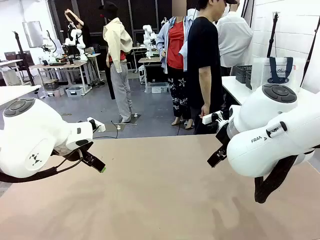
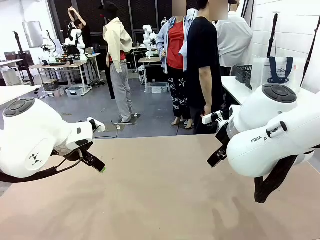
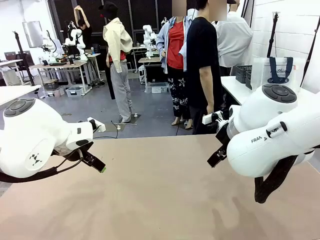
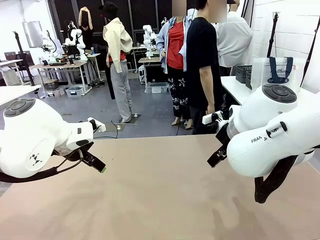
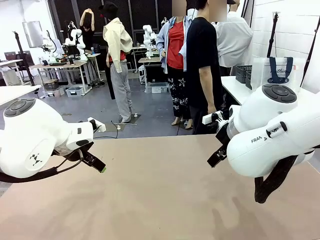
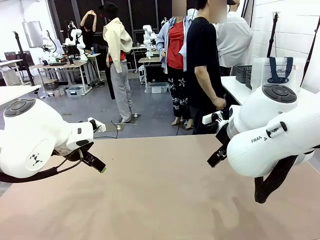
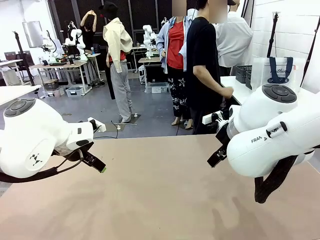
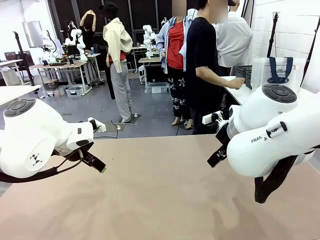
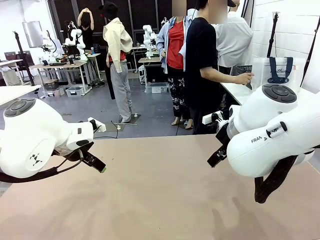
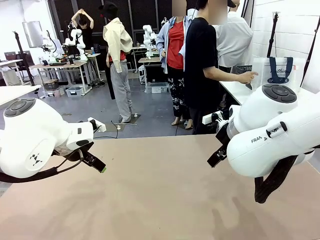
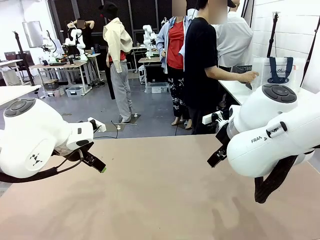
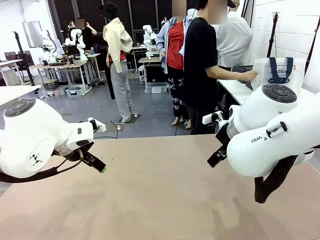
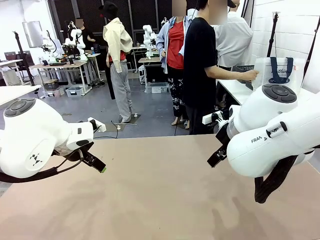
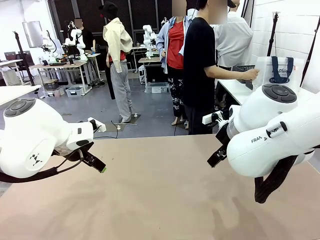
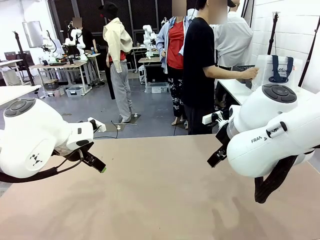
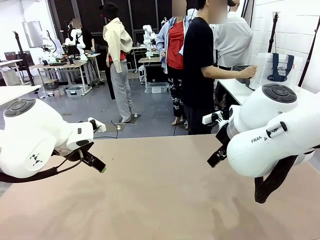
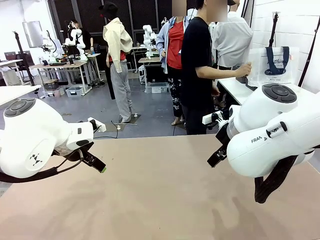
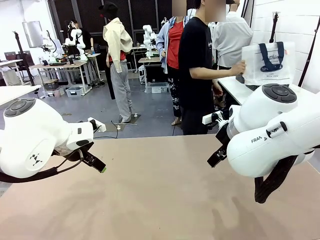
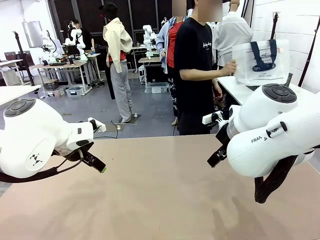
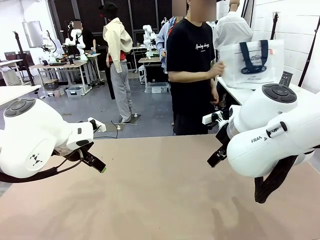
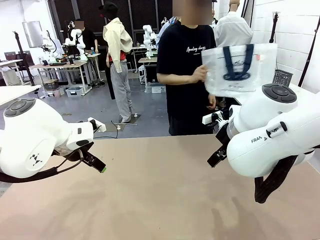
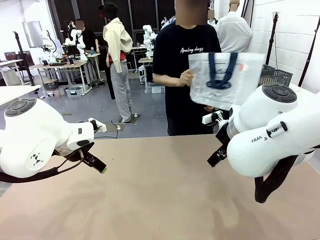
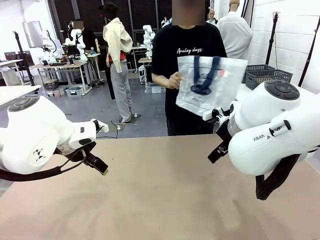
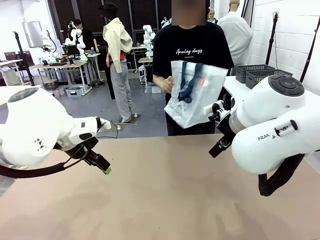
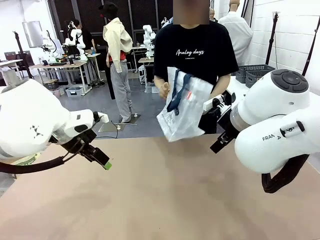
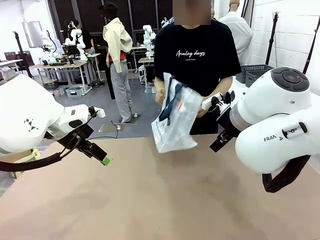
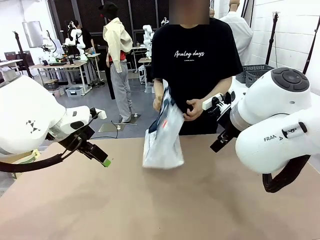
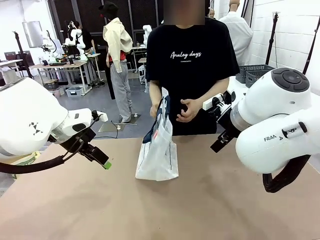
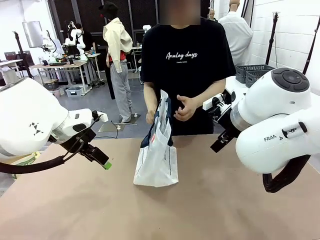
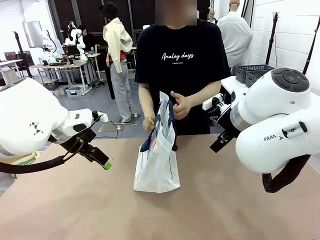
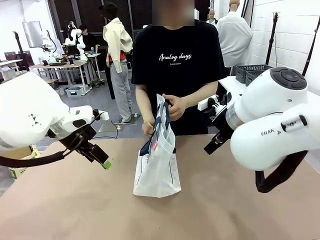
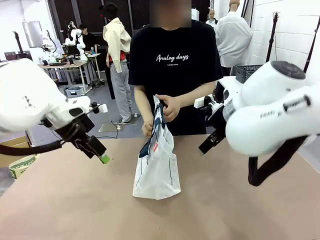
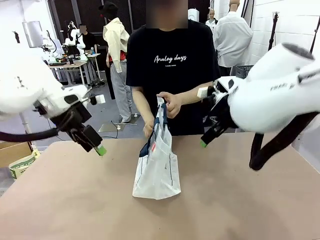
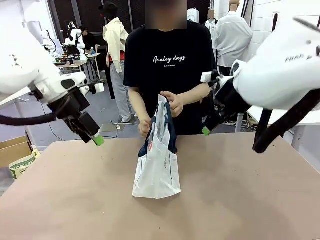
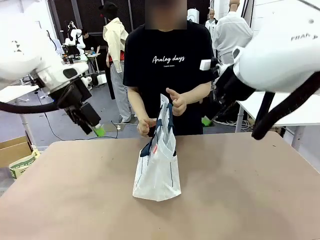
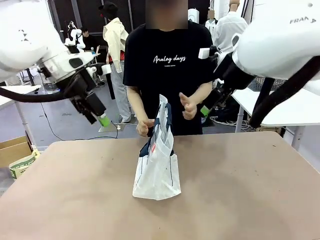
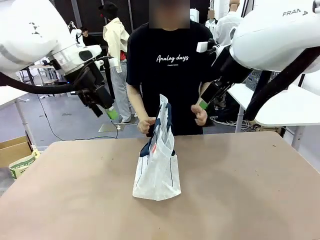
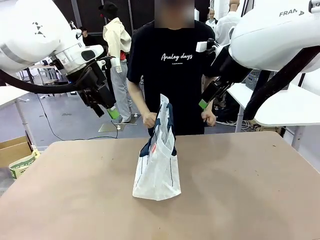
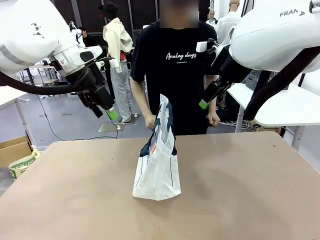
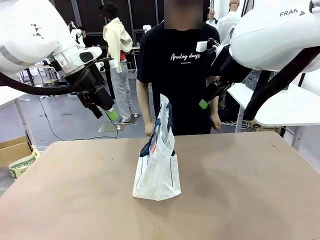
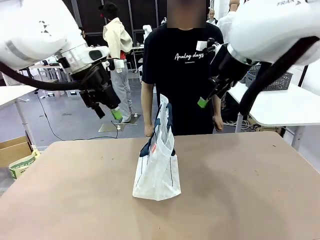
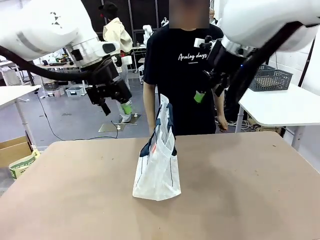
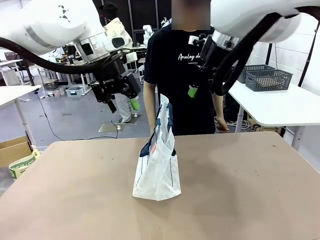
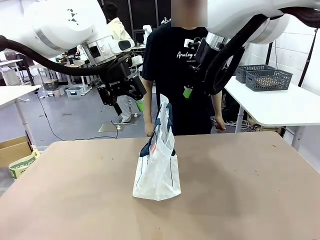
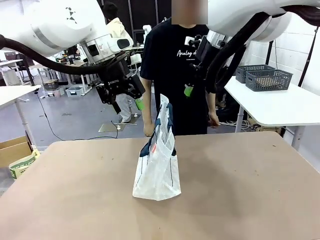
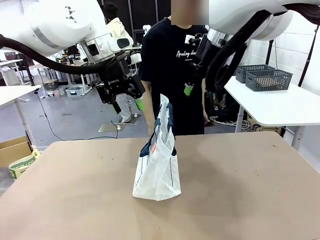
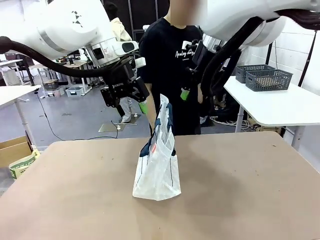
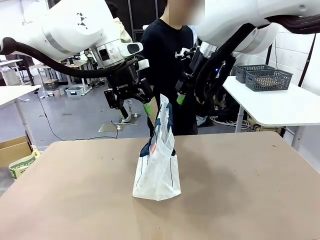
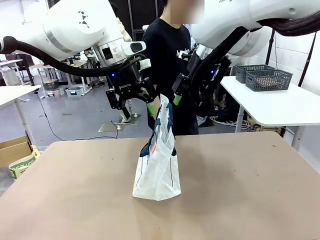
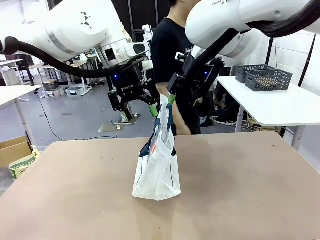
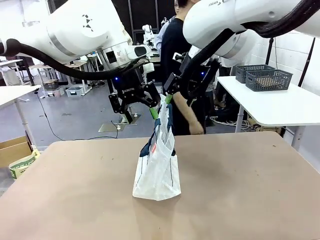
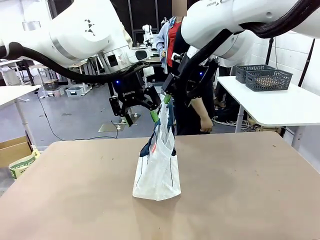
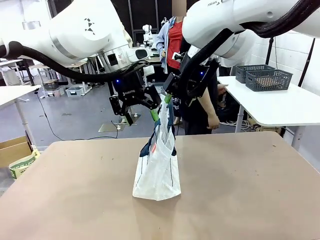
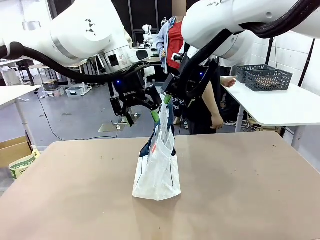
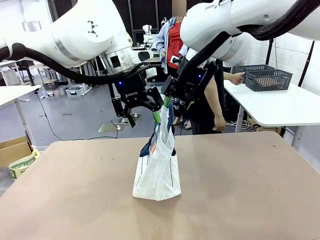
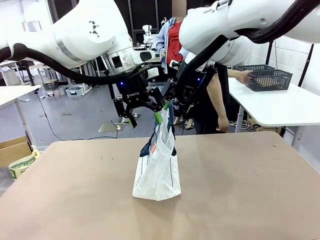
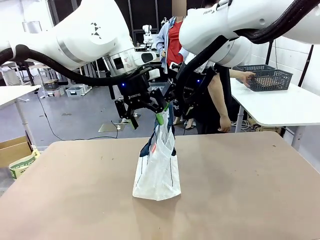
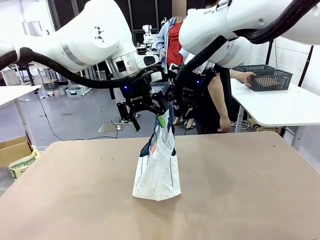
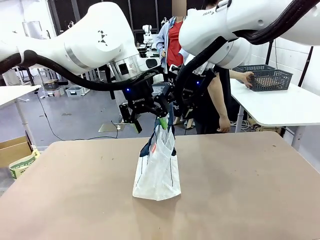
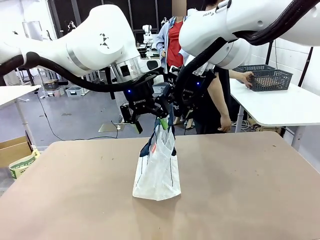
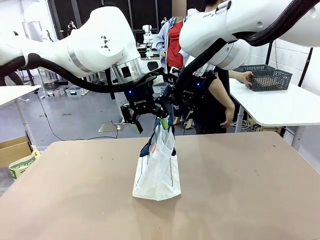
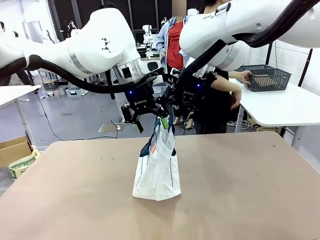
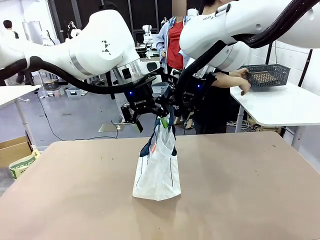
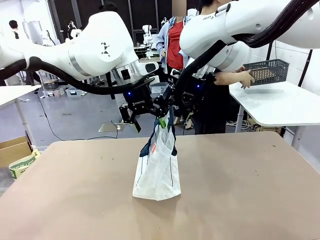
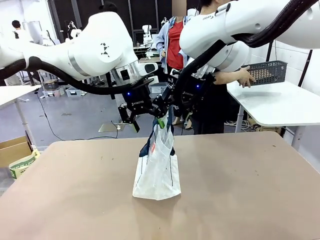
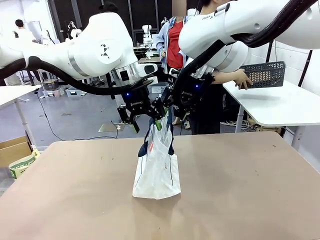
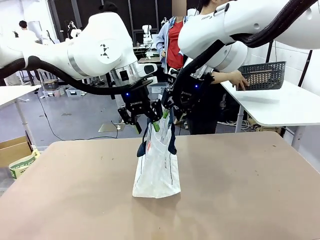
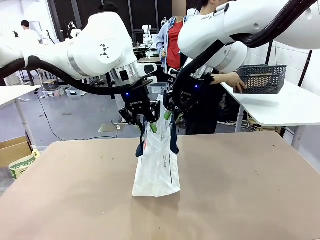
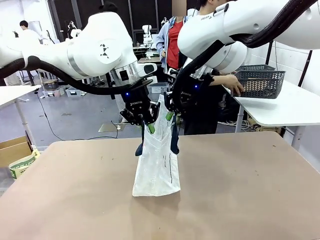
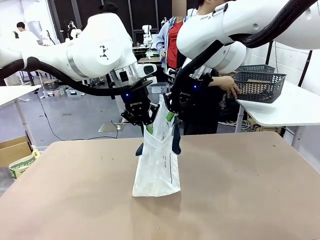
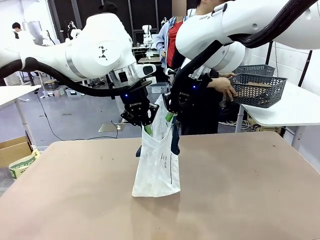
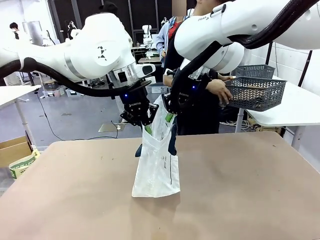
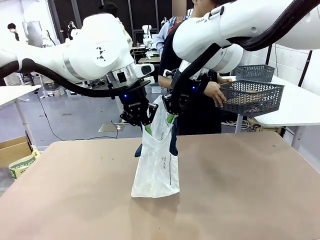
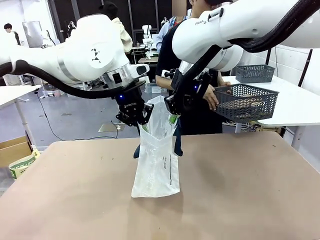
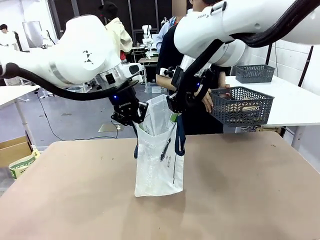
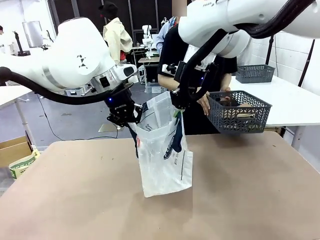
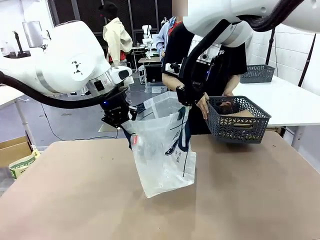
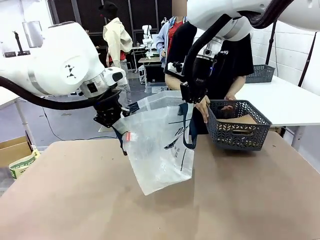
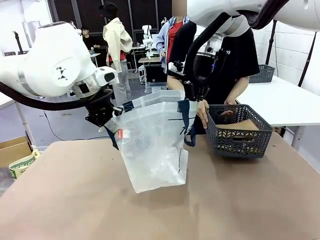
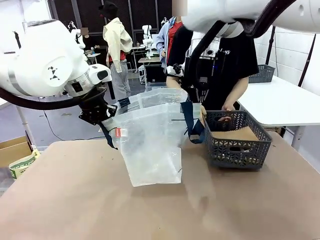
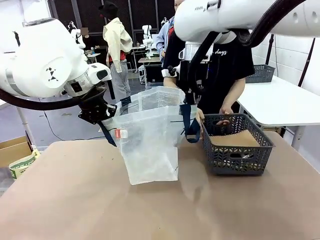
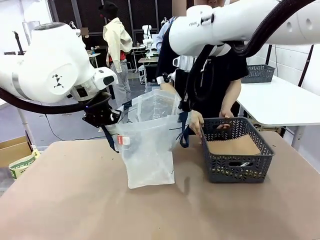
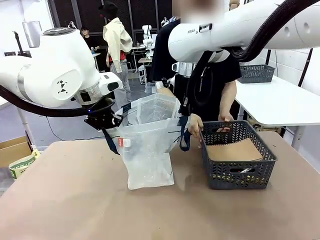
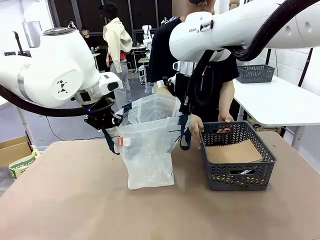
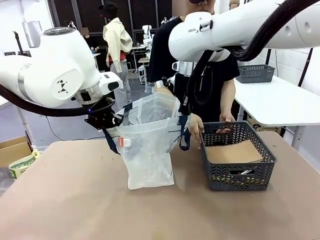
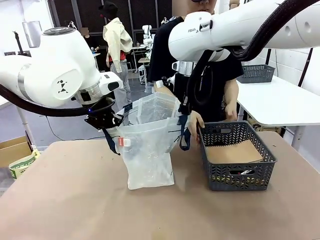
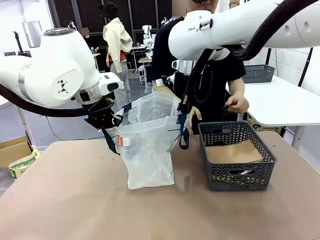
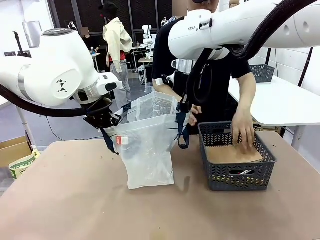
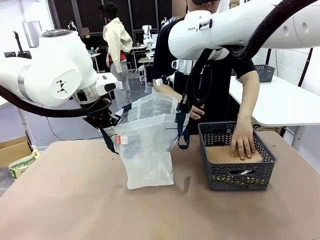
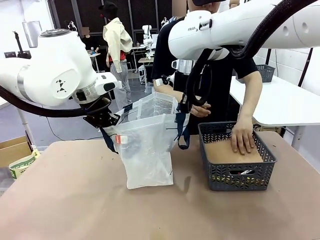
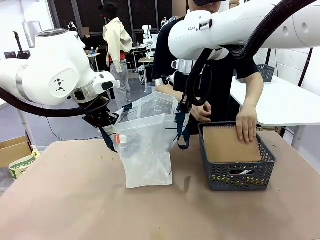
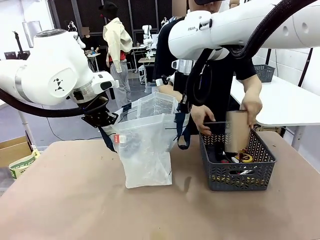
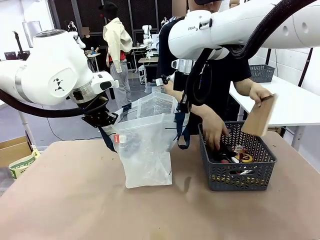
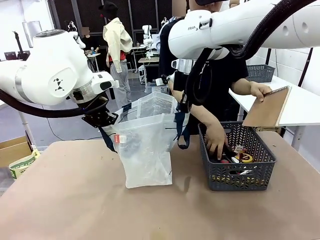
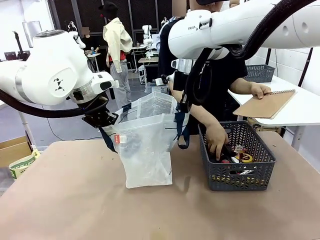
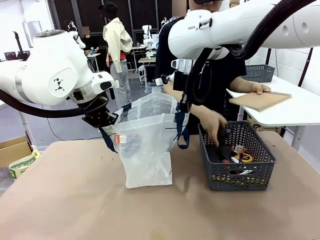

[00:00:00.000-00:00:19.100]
Task: Transfer purchased items from the store into the shopping bag.
Robot: Open the Reusable shopping bag in the center of the table.
Person: Pick up the shopping bag and place it in the middle of the robot table.
